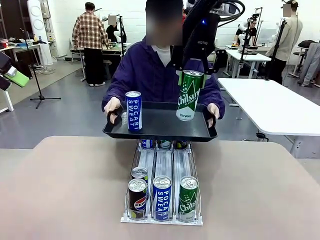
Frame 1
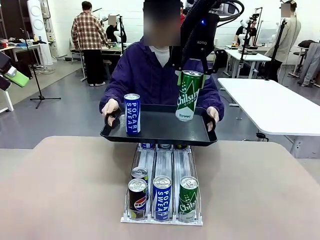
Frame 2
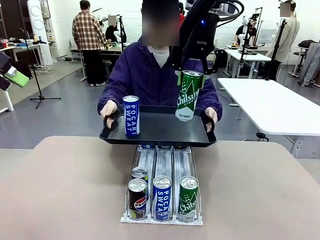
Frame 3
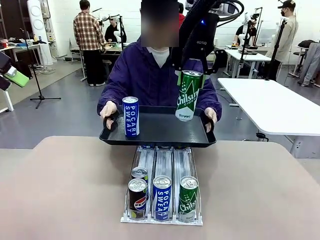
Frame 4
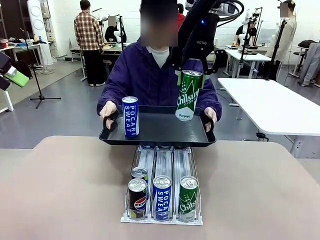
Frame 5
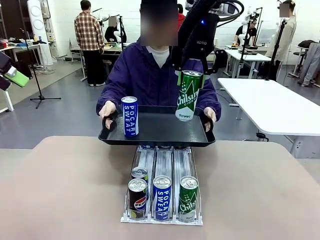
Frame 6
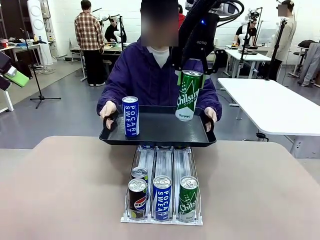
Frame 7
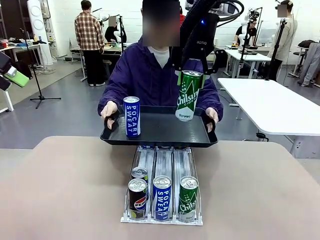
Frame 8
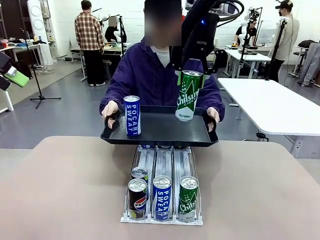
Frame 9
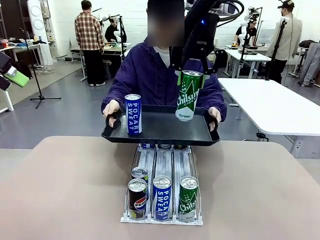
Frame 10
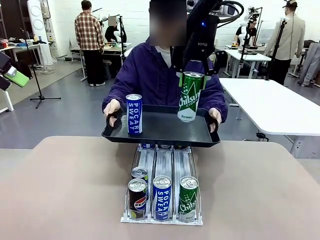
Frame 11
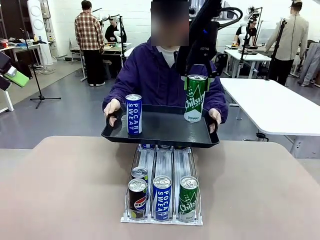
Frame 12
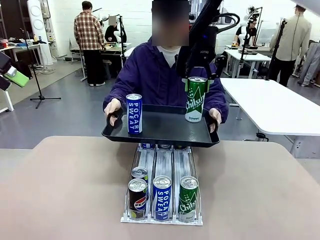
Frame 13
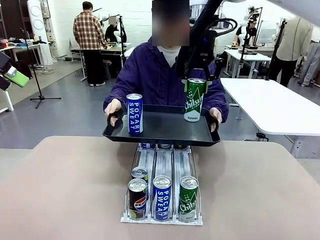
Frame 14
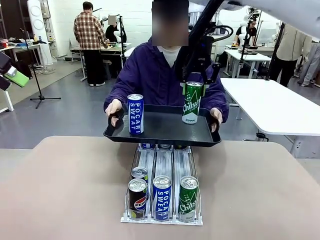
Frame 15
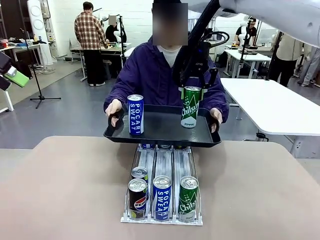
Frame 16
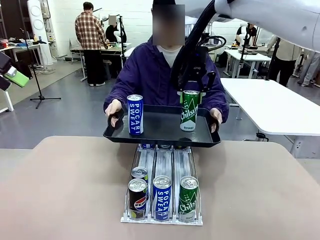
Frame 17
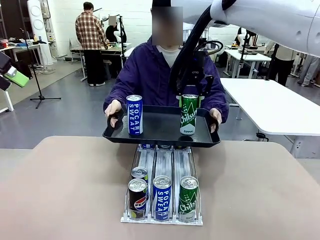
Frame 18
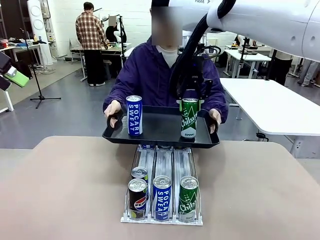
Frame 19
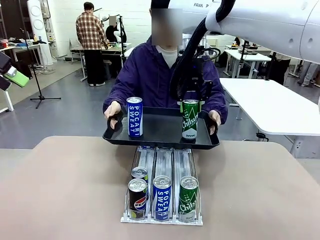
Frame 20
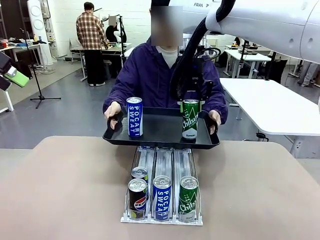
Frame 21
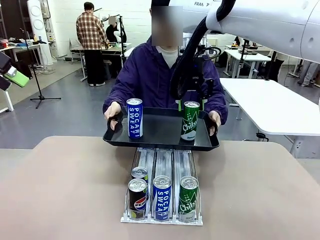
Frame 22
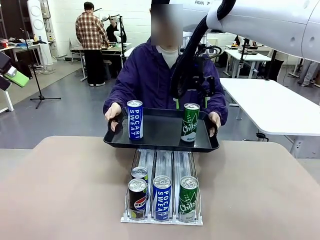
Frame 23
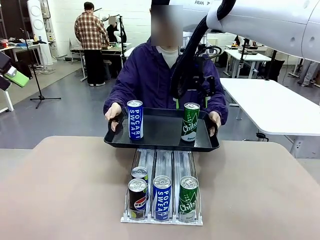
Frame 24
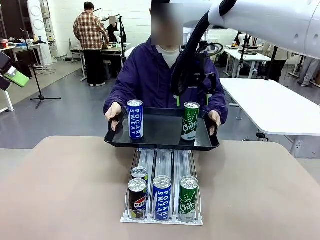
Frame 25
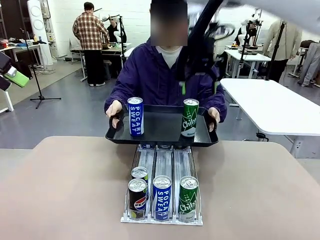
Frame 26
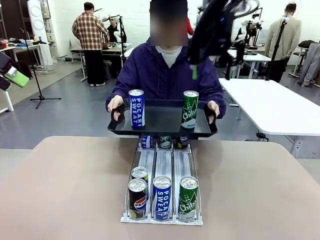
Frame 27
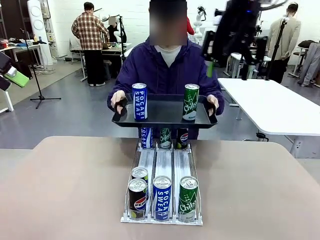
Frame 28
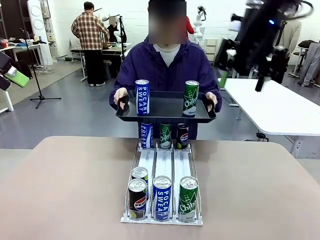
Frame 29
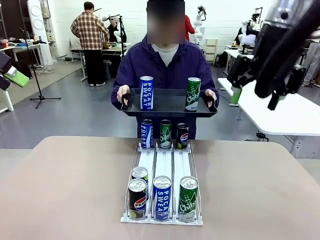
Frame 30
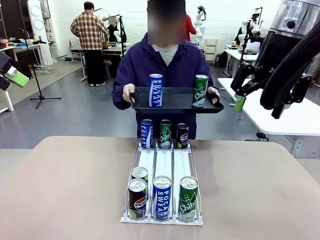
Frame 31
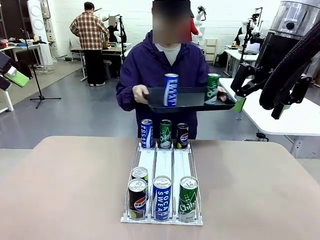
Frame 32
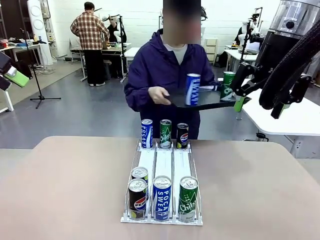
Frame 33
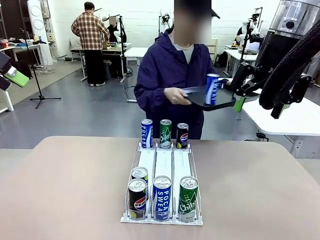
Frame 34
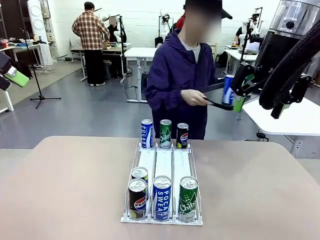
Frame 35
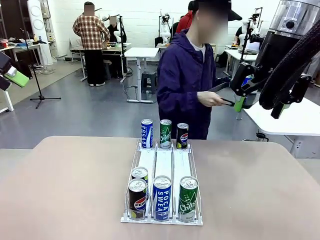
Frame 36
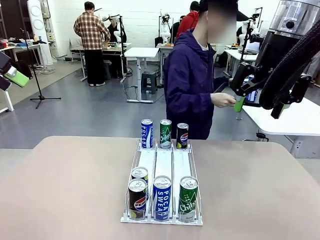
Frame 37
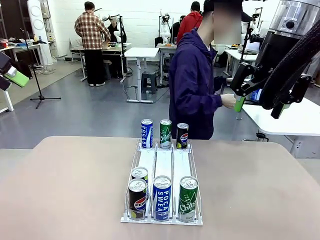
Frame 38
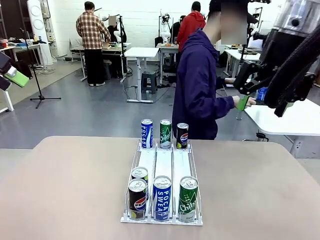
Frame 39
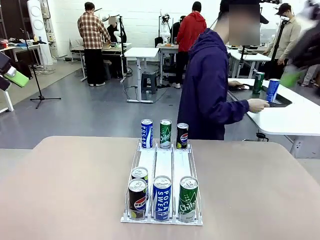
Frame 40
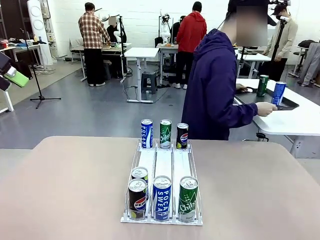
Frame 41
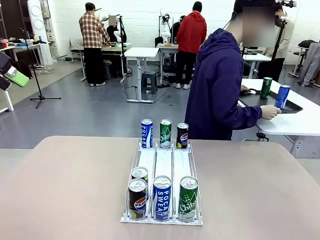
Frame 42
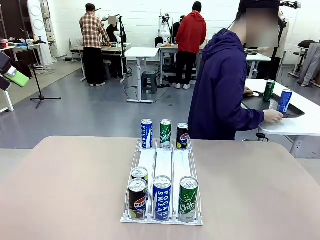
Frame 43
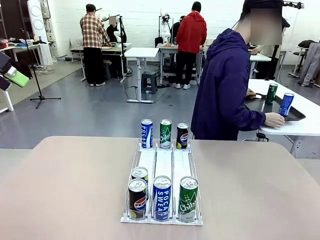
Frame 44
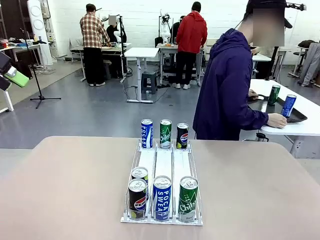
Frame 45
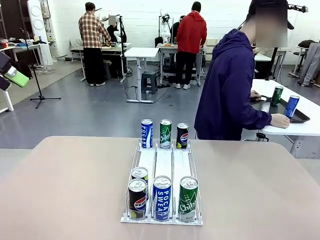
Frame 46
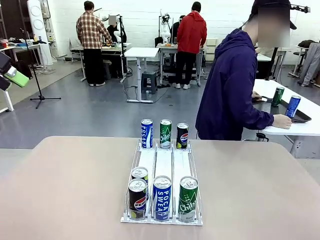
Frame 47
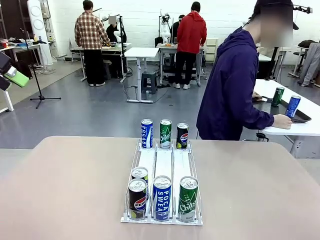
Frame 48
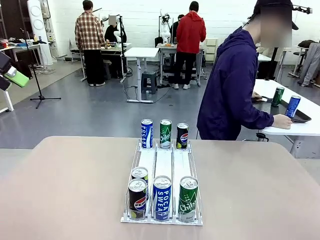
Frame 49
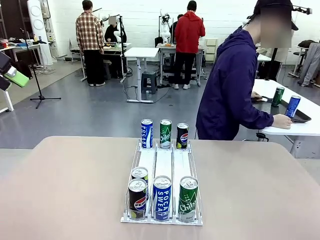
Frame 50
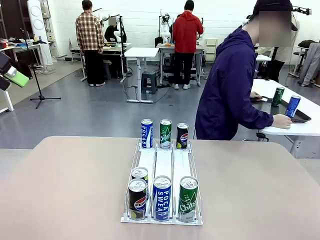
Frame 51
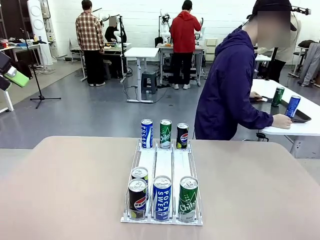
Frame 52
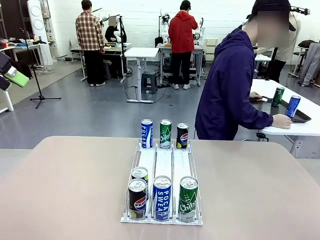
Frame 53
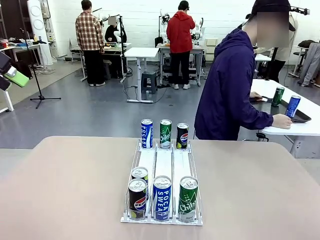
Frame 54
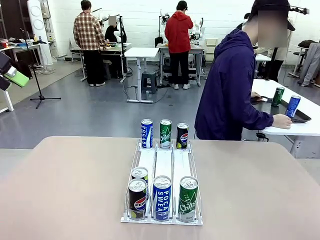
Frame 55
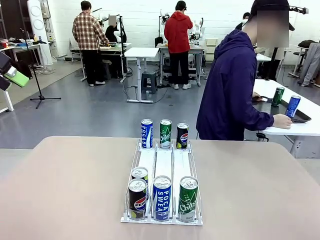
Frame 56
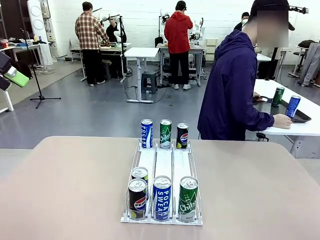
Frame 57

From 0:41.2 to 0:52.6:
Task: Retrieve and hand over the desired beverage to the person.
Robot: Place the picked can on the Handle tray extended by the person.
Person: Pull the tray back and place it at the center of the human table.

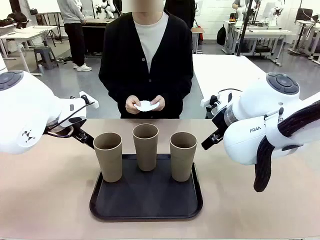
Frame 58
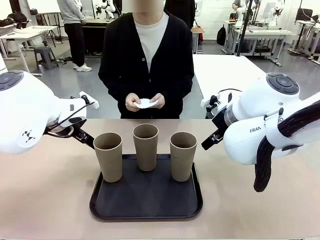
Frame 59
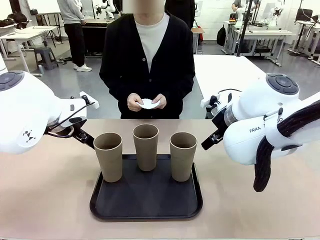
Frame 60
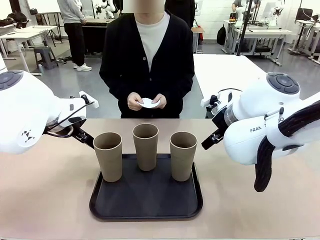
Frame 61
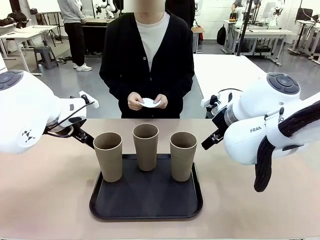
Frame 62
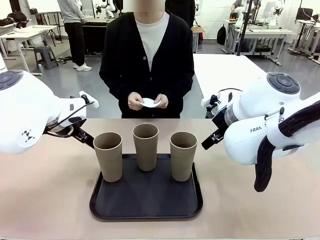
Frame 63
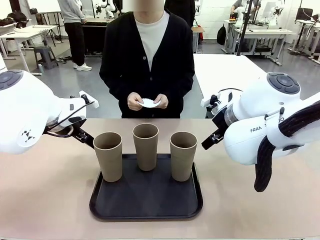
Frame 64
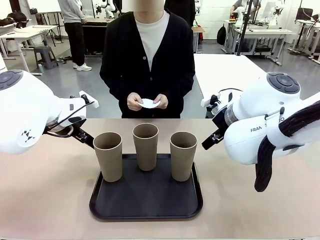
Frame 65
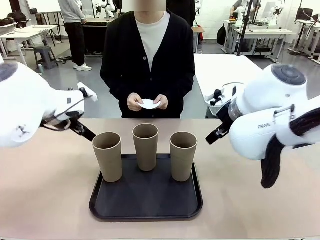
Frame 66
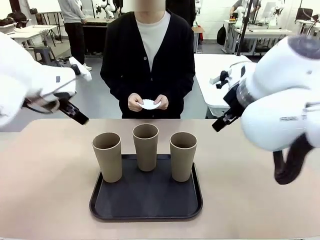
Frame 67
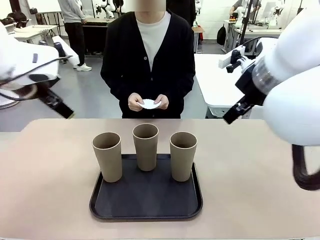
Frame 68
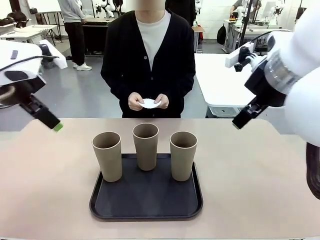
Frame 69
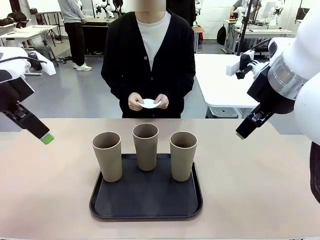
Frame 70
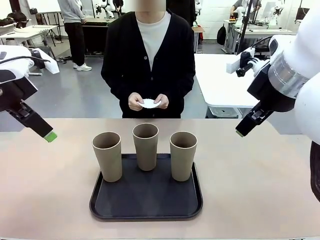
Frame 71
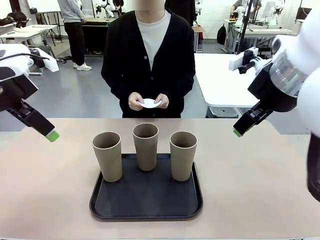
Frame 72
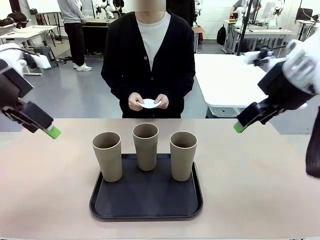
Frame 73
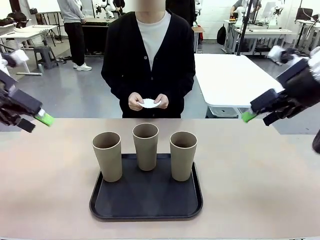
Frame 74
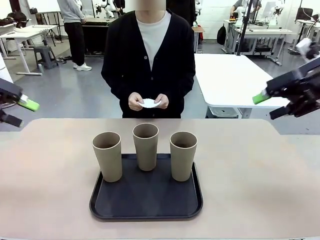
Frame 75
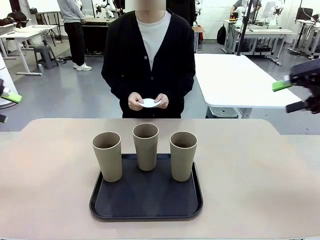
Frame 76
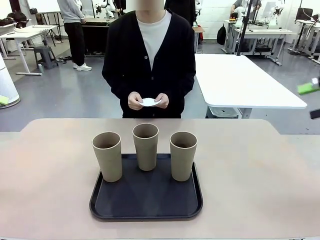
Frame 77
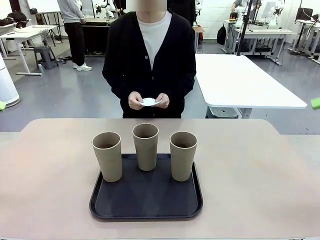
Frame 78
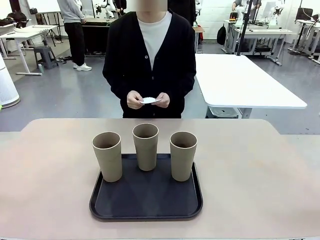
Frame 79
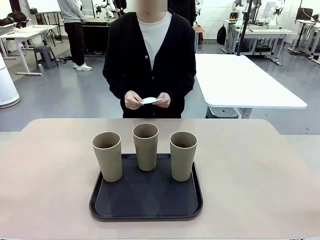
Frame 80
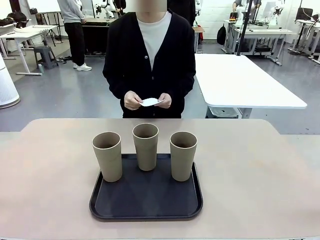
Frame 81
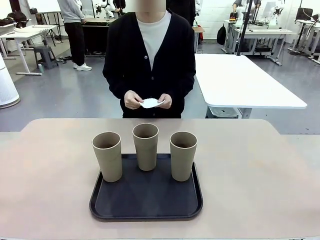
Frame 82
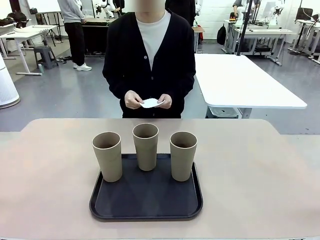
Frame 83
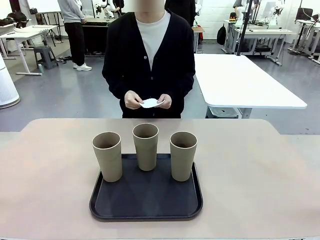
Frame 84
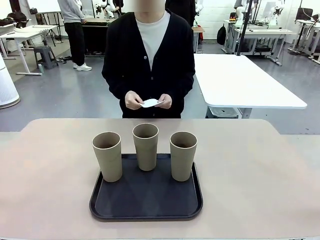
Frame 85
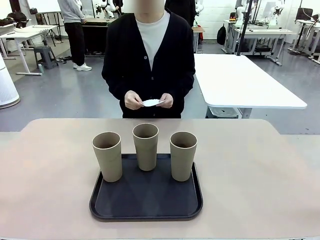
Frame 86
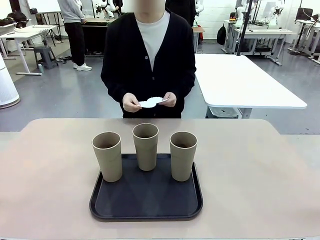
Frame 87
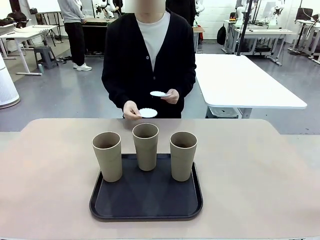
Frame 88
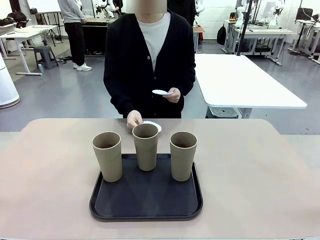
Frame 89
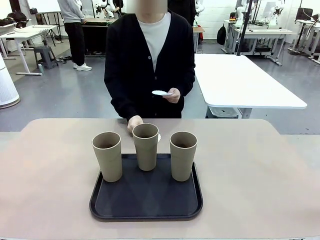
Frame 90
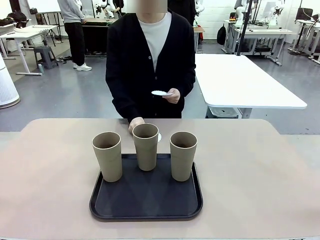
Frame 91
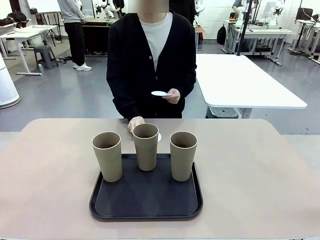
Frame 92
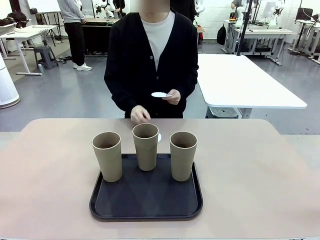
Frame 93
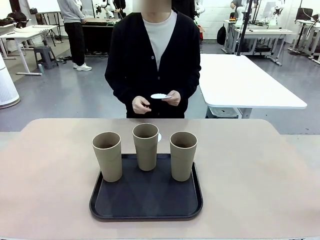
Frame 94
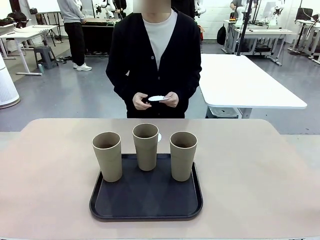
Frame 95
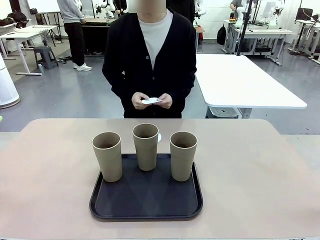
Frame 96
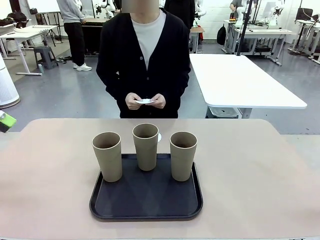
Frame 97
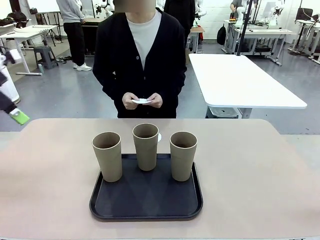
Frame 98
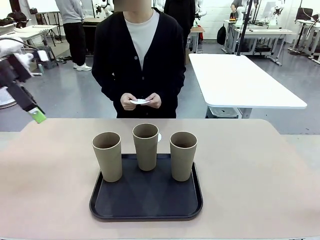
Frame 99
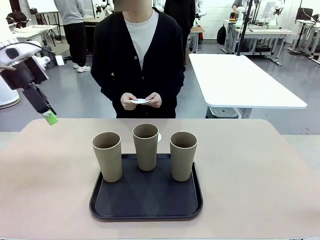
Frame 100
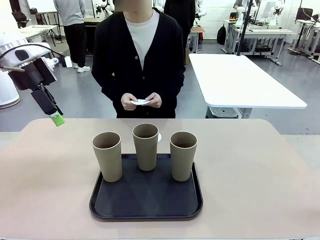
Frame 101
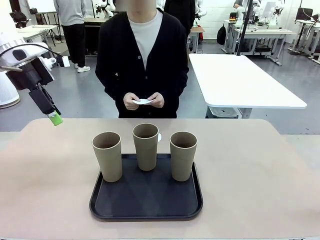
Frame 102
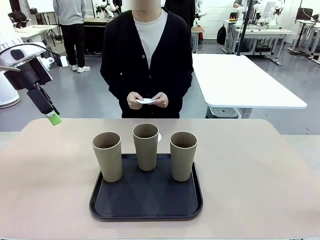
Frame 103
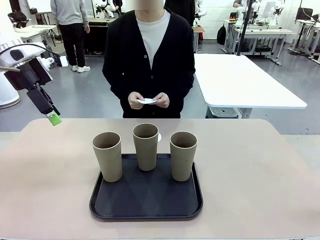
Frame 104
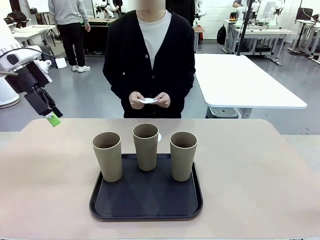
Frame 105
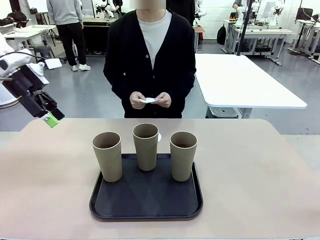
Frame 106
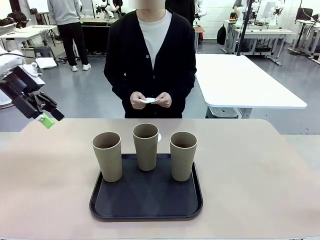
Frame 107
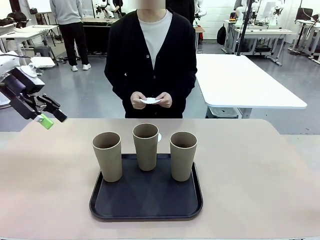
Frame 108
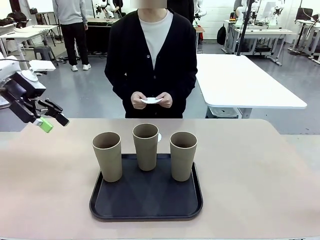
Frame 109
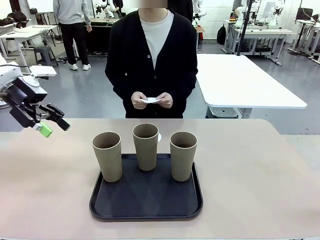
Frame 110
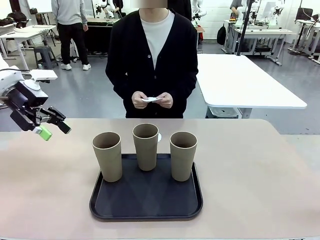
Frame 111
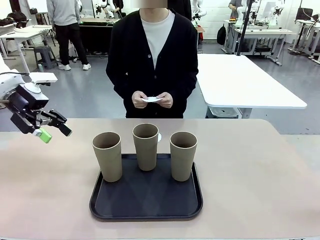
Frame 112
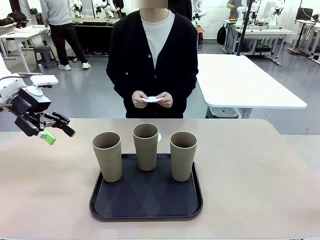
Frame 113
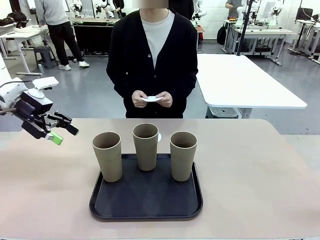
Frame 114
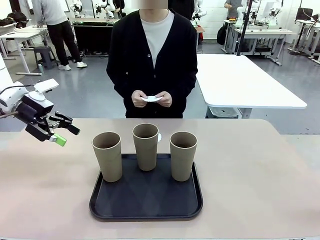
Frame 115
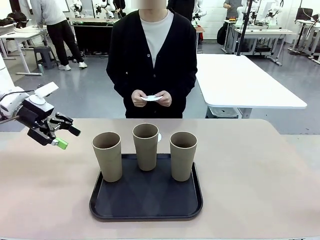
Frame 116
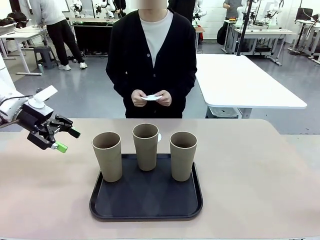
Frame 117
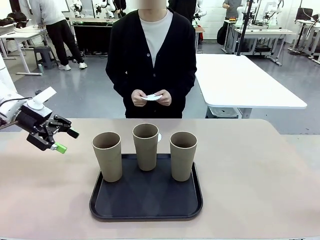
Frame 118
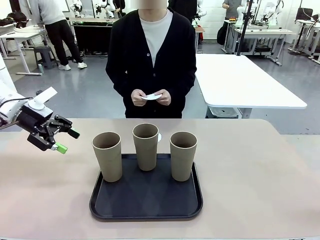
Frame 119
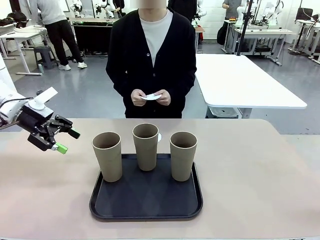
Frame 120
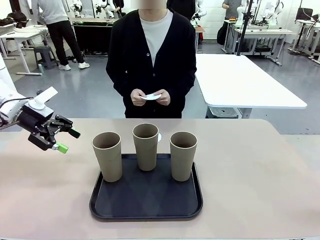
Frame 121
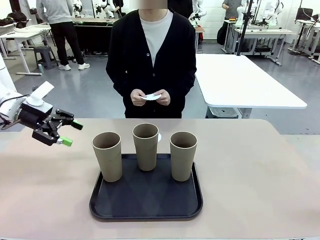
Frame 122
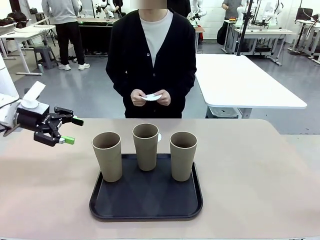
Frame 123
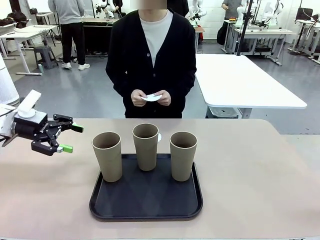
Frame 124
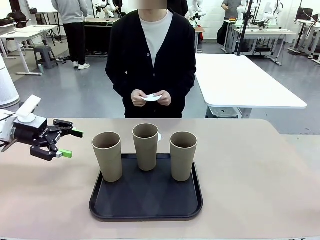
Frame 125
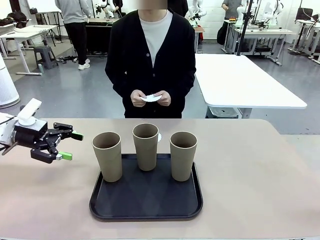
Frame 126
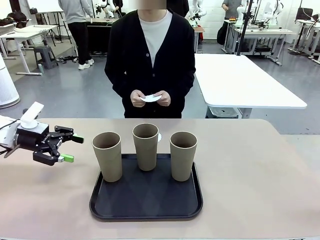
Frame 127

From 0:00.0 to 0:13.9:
Task: Place coasters on the table and set cups on them.
Robot: Pick up one Reusable plastic cup and place it on a coaster set by the human.
Person: Place one coaster in any one of the three lower areas of the robot table (left, center, or right).
